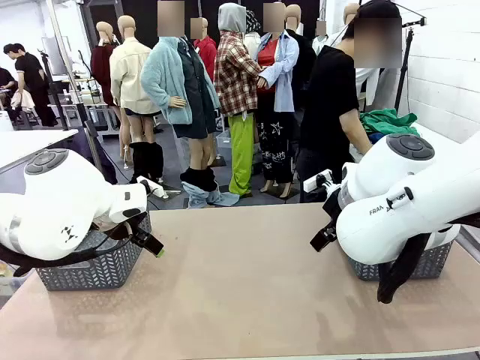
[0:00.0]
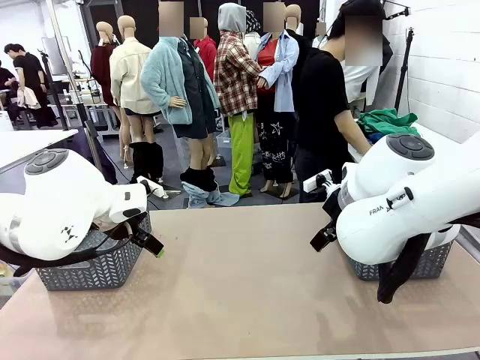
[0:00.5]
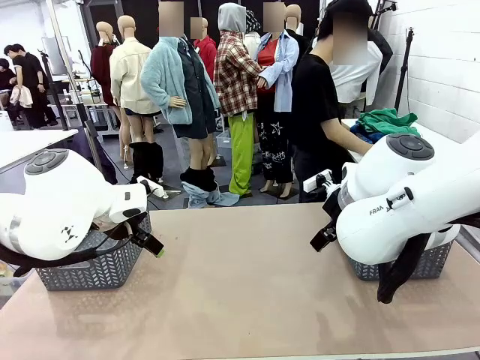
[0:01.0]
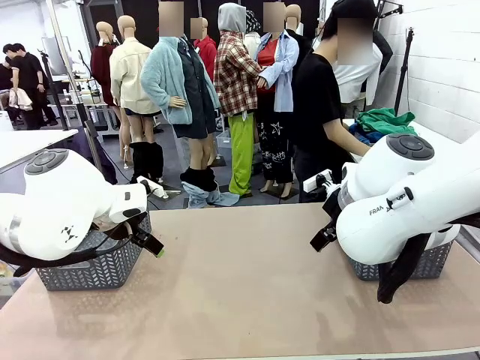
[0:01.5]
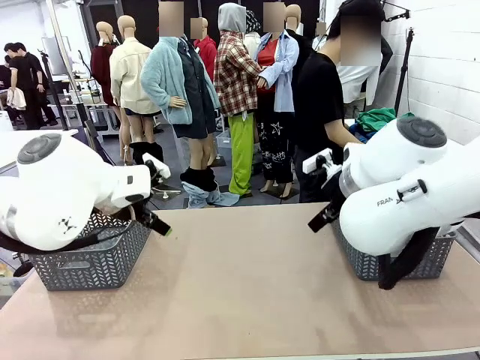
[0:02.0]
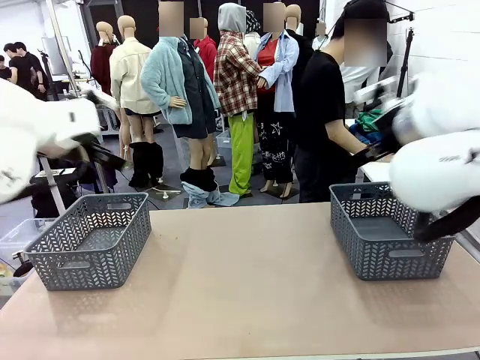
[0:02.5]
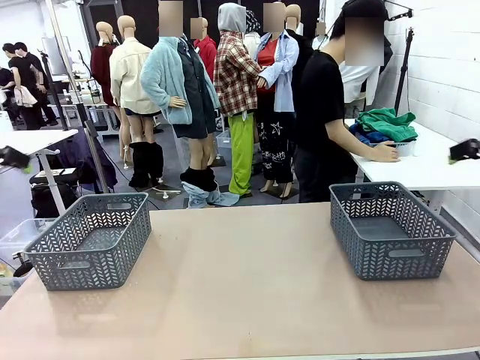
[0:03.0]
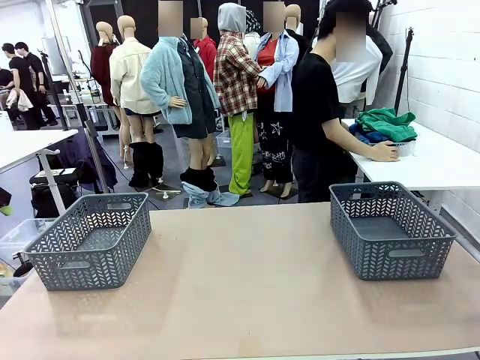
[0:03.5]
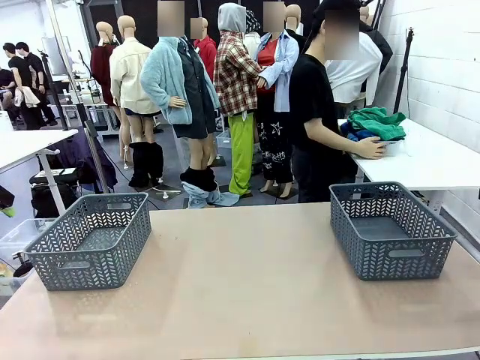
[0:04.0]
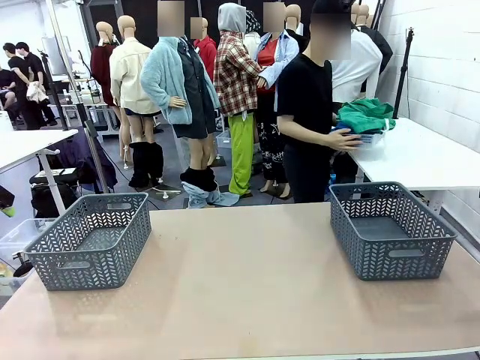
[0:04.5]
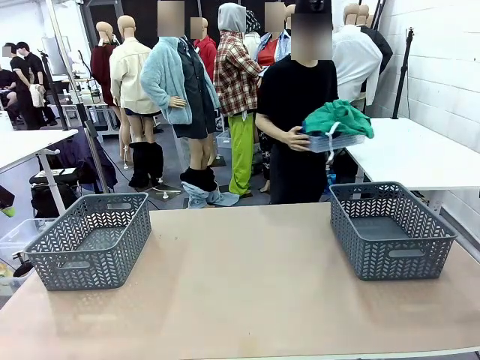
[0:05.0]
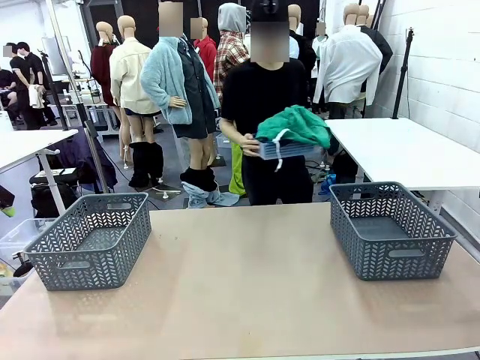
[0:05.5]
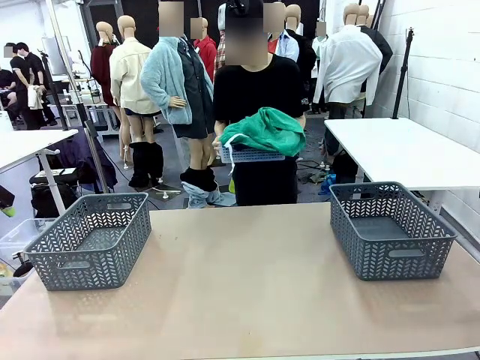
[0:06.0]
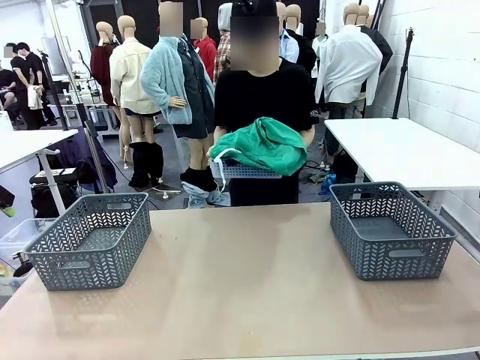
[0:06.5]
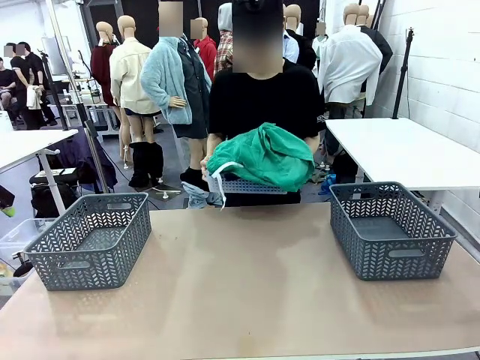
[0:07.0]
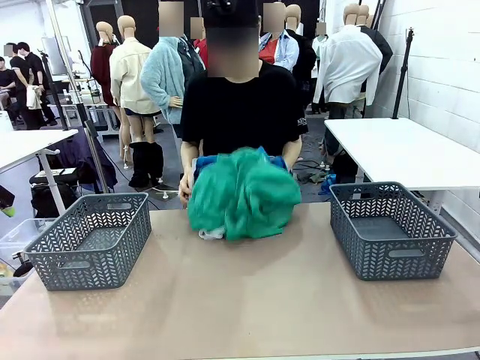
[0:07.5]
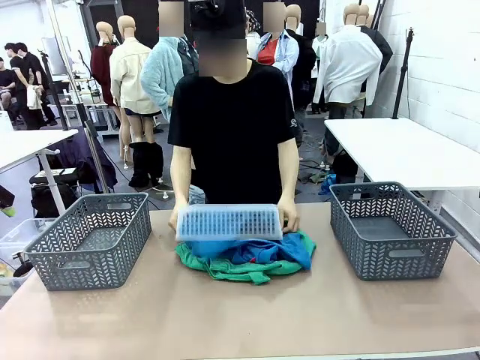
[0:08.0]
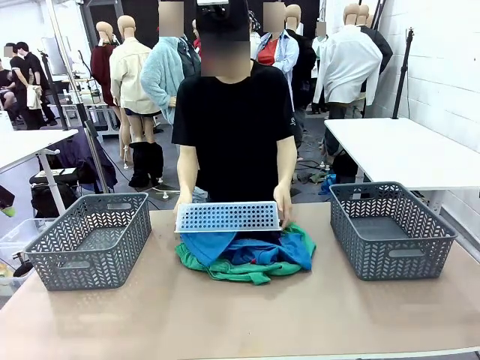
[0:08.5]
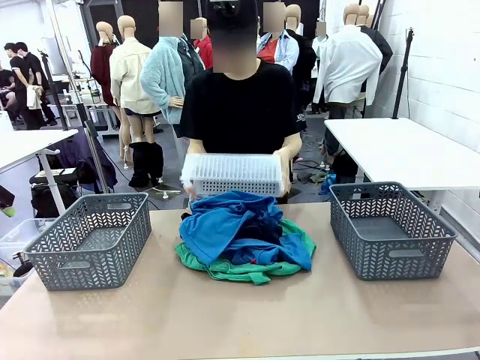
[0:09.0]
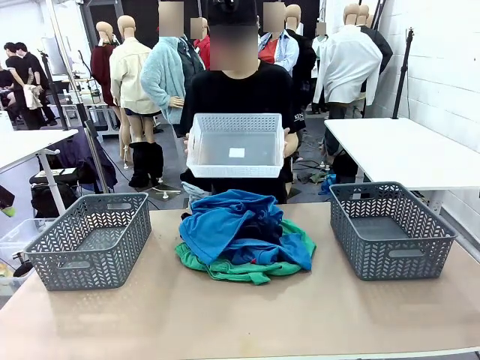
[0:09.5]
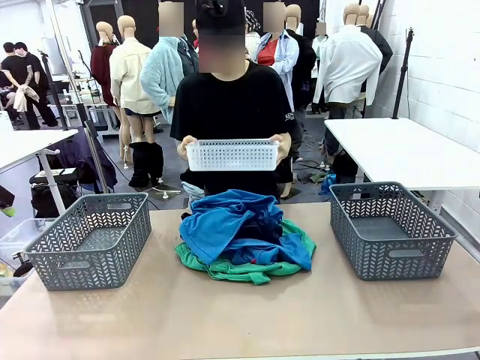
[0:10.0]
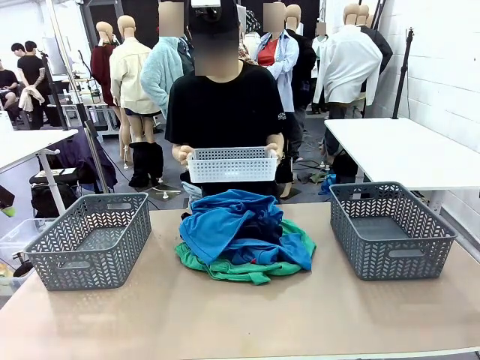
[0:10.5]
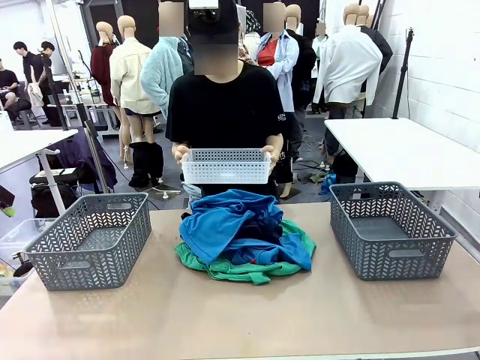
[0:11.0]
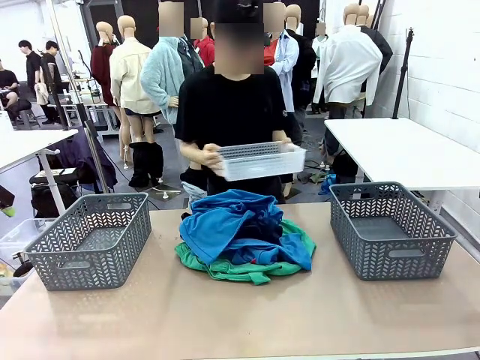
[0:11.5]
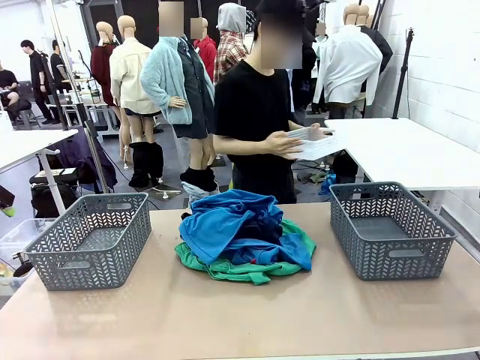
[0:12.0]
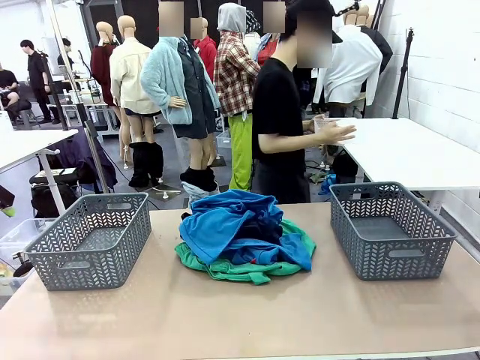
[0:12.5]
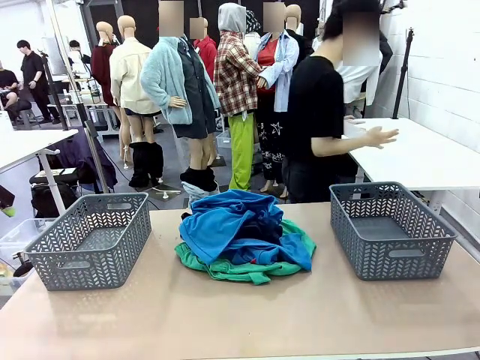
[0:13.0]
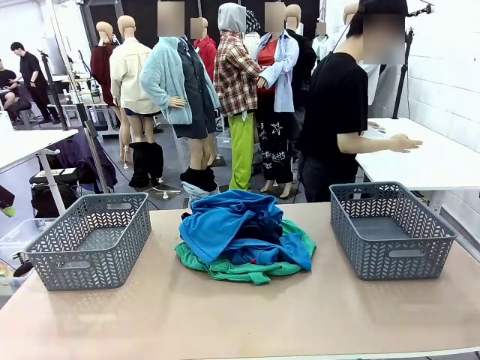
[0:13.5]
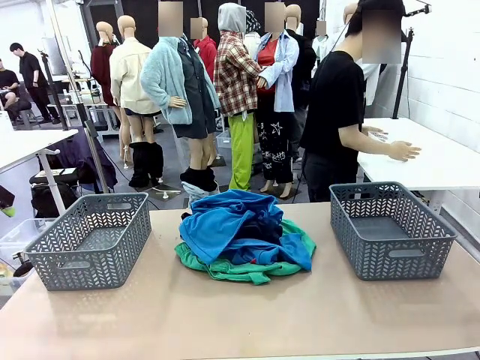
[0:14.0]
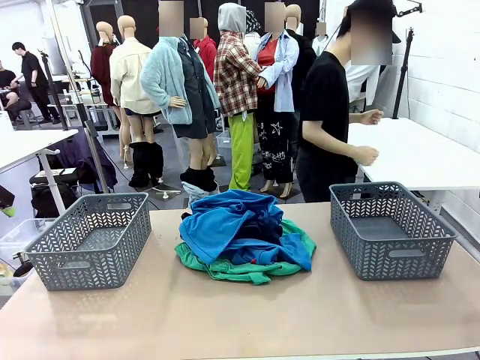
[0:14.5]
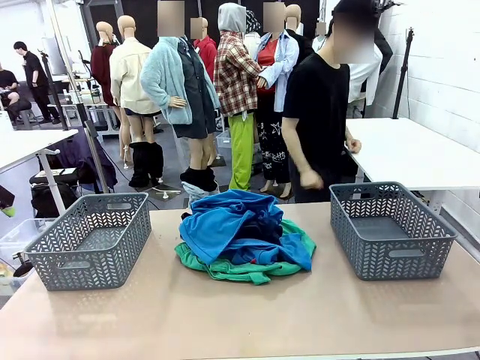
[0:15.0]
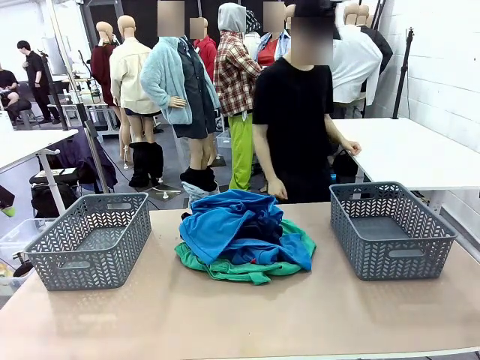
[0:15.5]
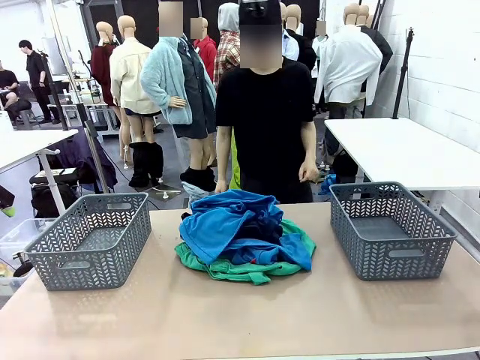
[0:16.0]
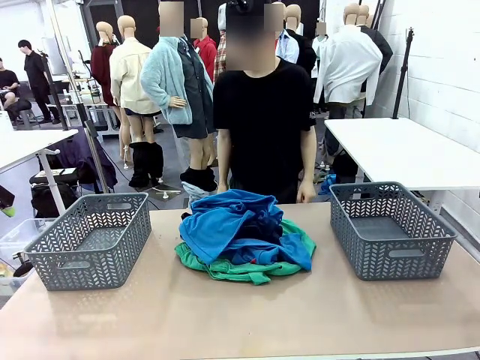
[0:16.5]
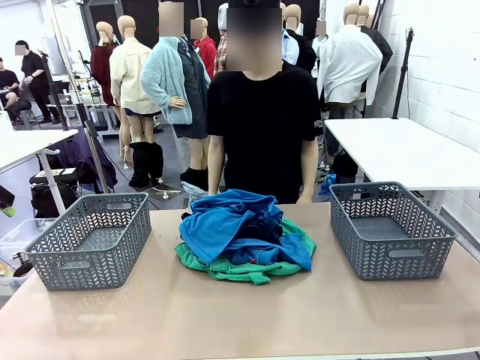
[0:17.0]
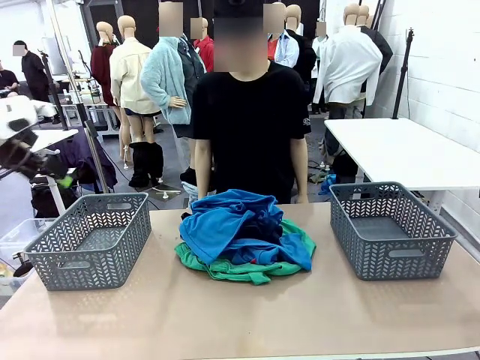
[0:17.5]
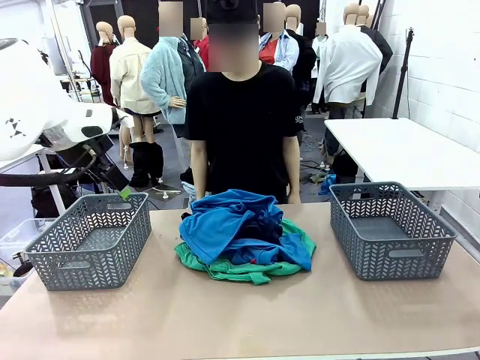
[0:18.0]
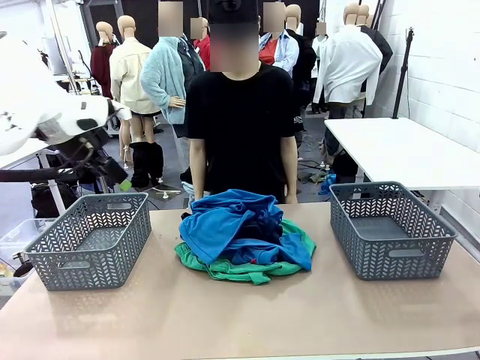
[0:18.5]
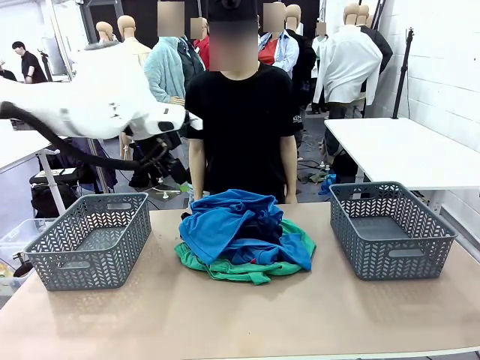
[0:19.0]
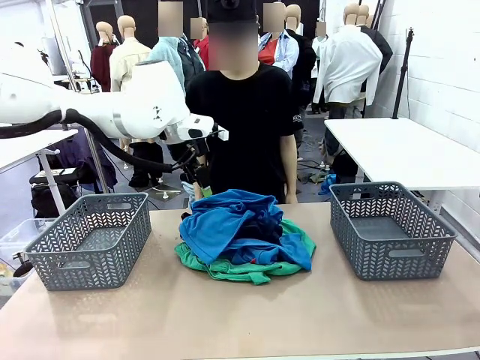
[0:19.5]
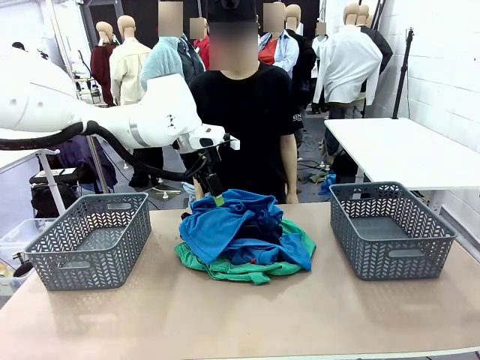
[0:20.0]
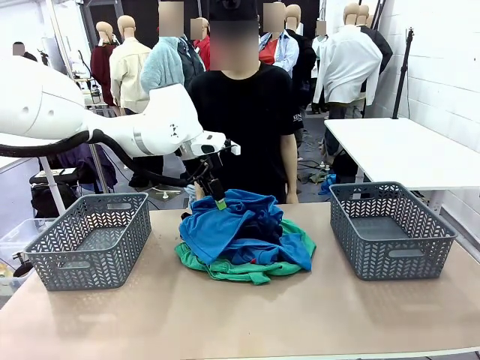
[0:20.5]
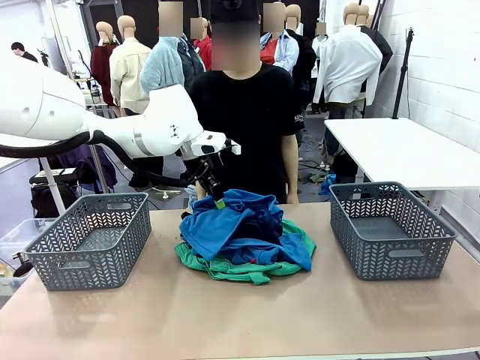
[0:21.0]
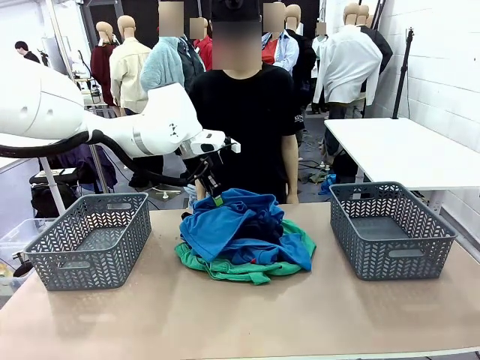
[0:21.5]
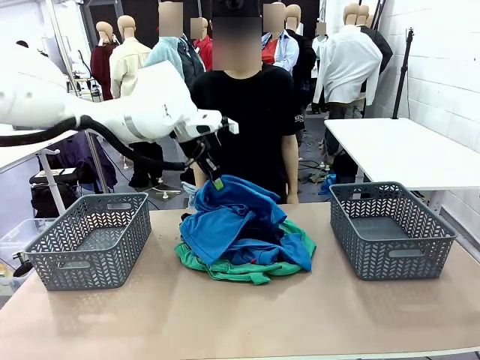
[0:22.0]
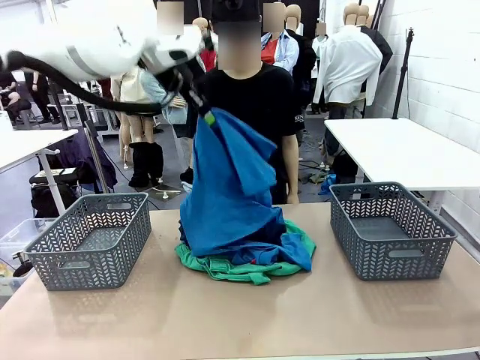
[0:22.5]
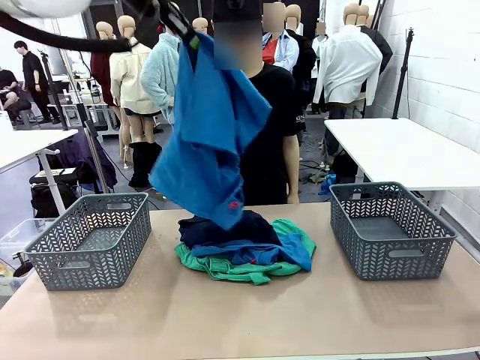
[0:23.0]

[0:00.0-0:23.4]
Task: Sort the tops and bottoms.
Robot: Lift clothes from the center of the table with your left hand.
Person: Pour the clothes from the basket onto the center of the robot table.
